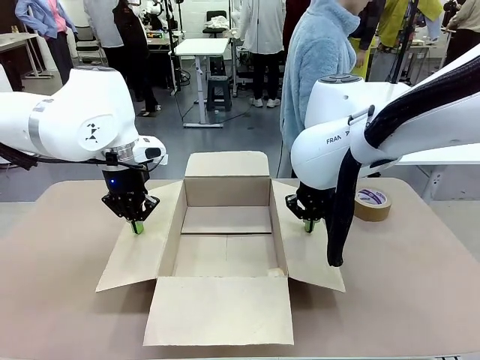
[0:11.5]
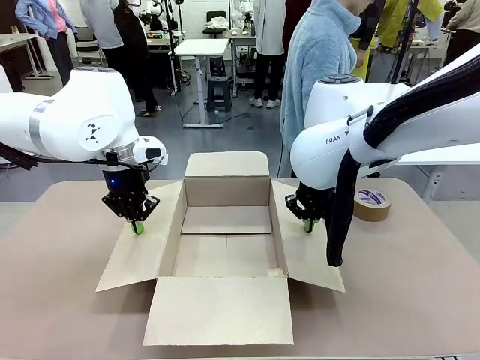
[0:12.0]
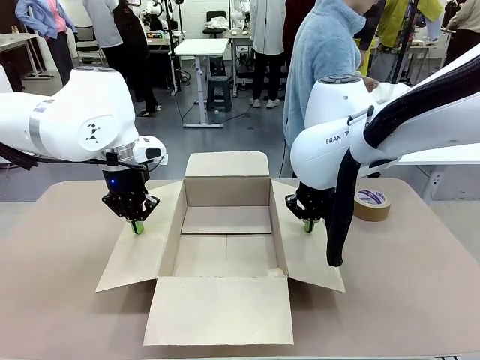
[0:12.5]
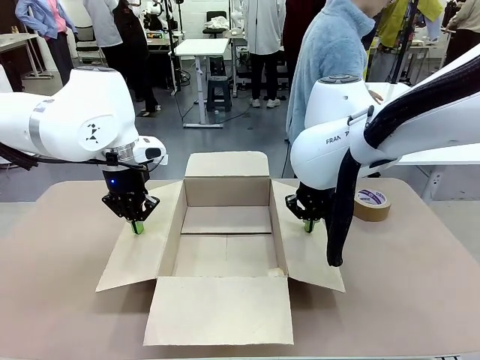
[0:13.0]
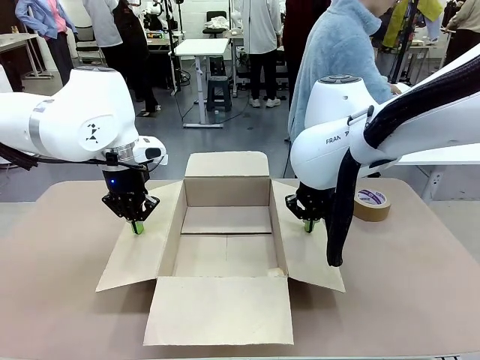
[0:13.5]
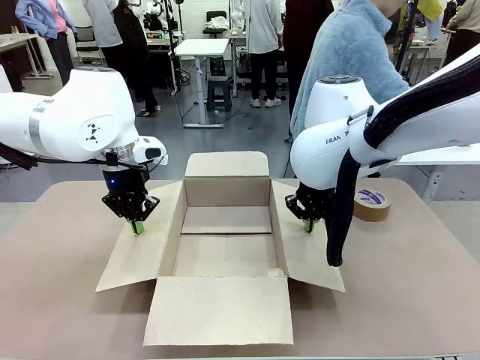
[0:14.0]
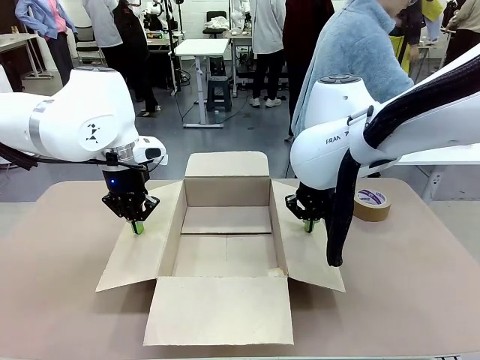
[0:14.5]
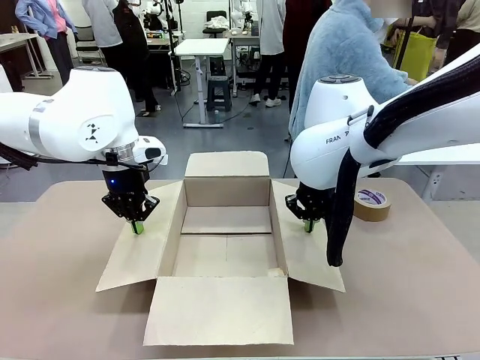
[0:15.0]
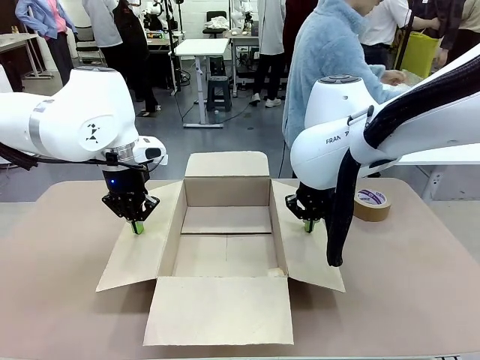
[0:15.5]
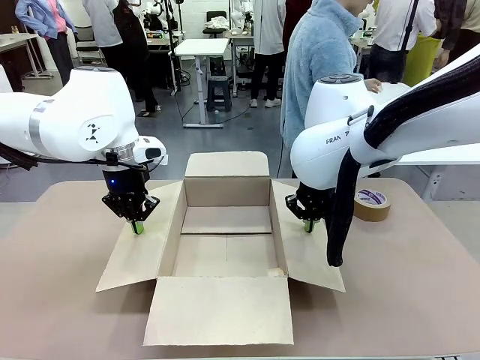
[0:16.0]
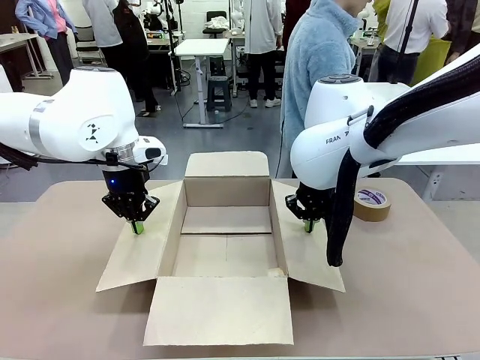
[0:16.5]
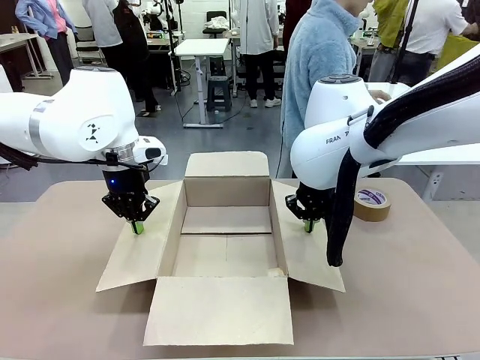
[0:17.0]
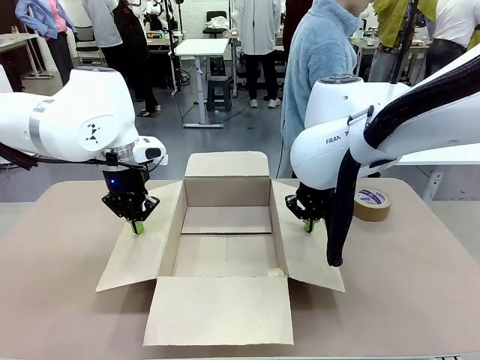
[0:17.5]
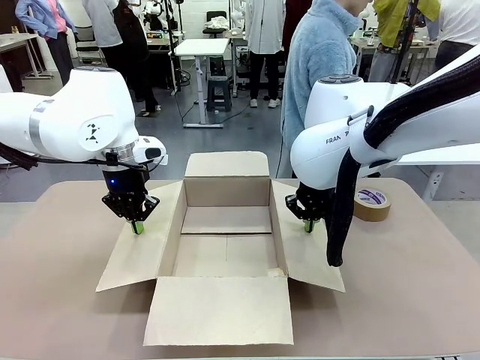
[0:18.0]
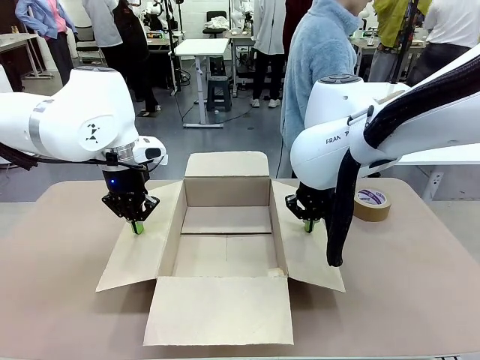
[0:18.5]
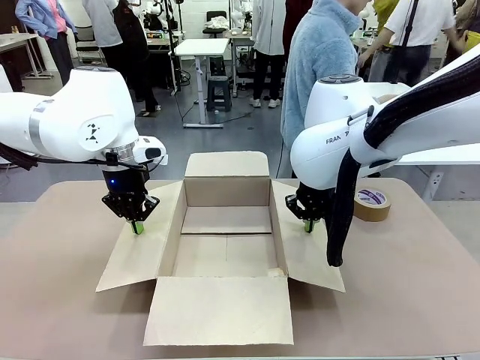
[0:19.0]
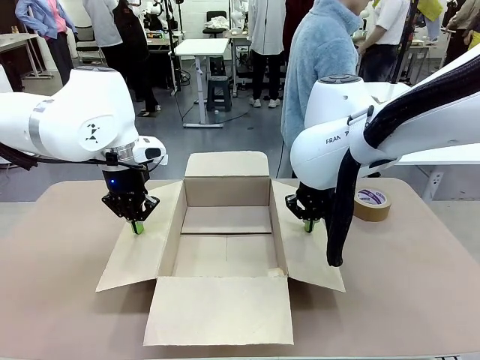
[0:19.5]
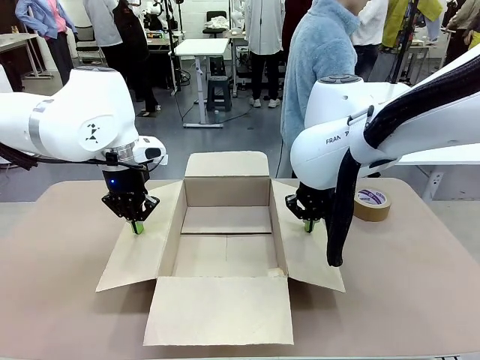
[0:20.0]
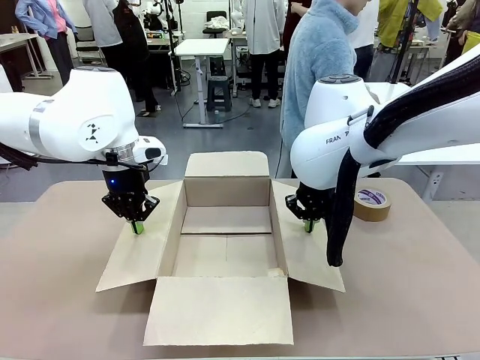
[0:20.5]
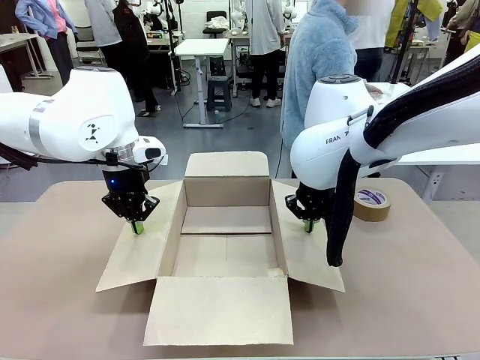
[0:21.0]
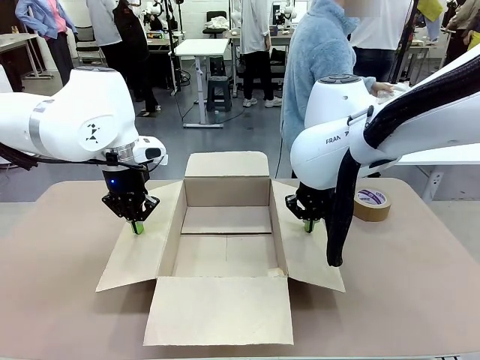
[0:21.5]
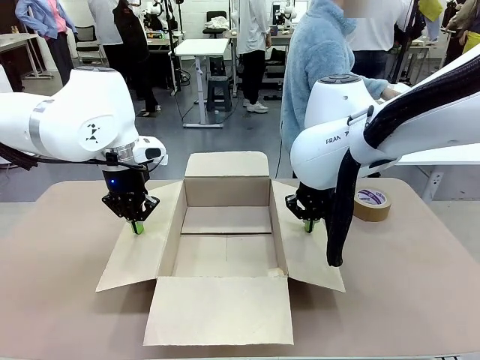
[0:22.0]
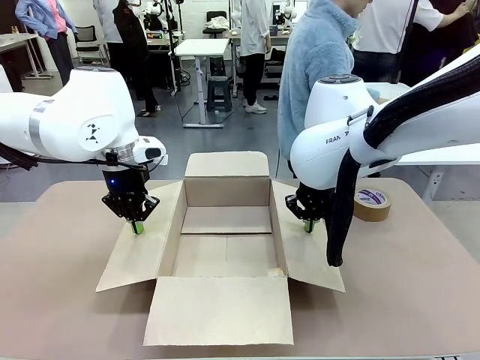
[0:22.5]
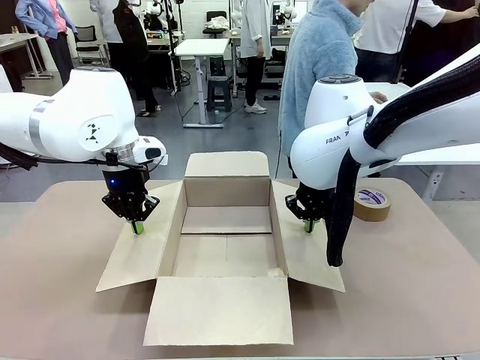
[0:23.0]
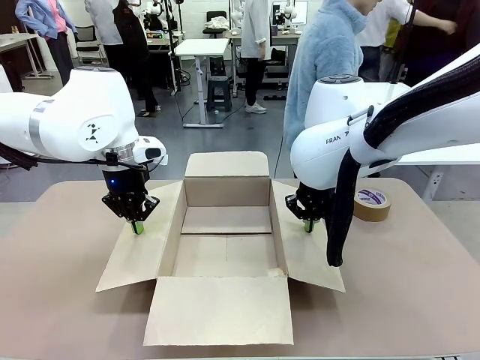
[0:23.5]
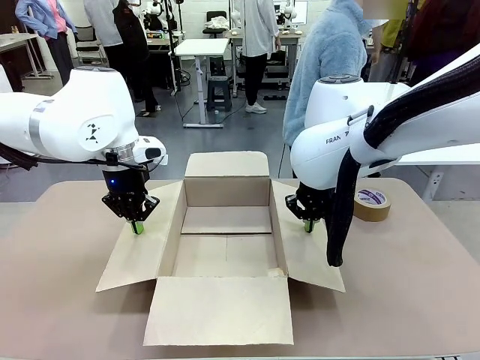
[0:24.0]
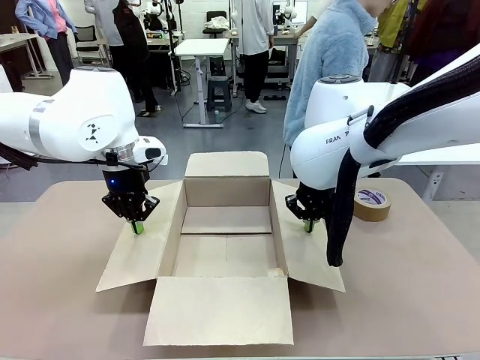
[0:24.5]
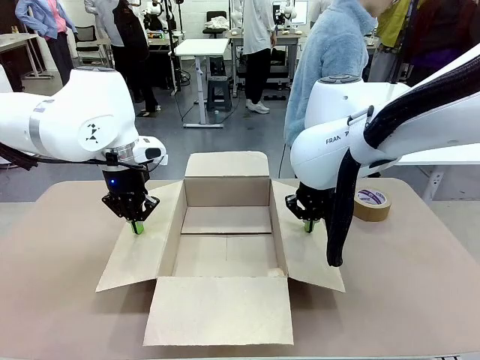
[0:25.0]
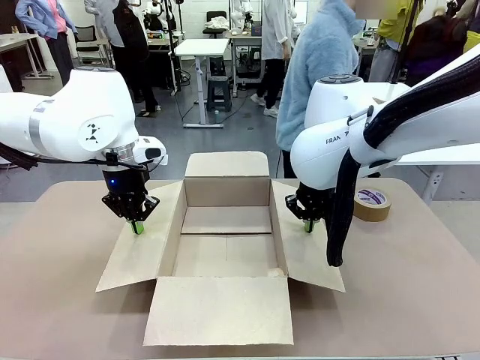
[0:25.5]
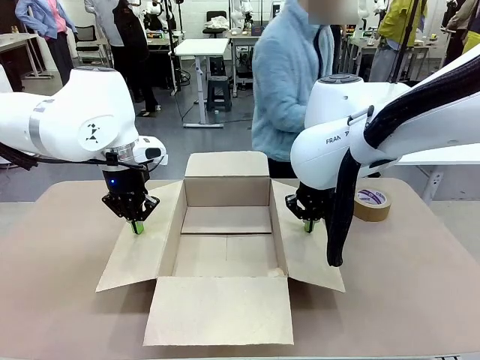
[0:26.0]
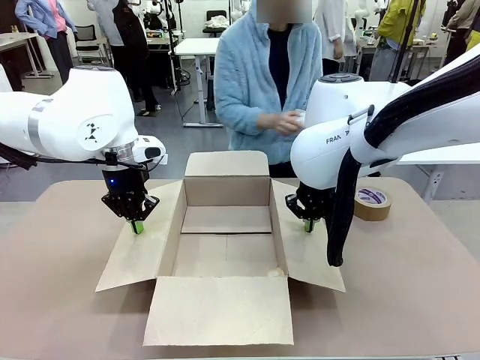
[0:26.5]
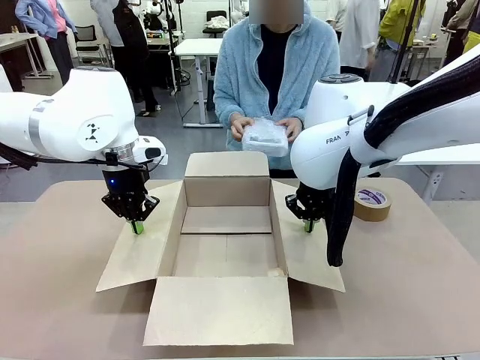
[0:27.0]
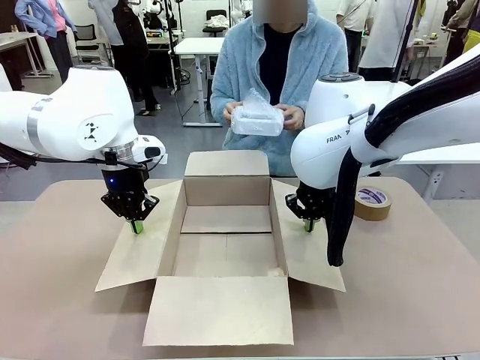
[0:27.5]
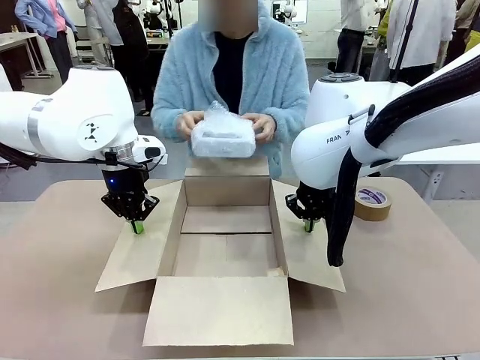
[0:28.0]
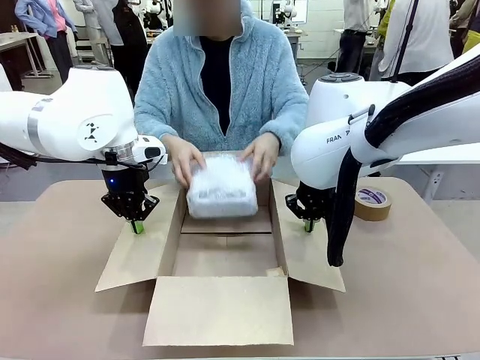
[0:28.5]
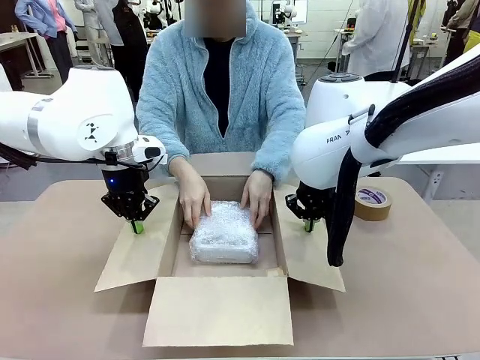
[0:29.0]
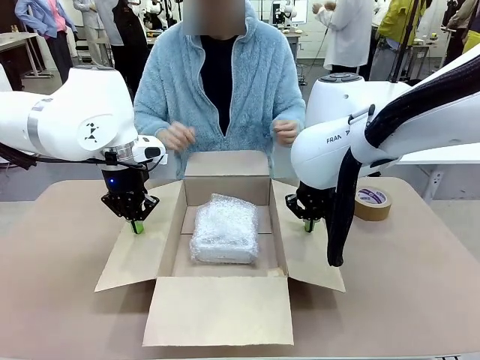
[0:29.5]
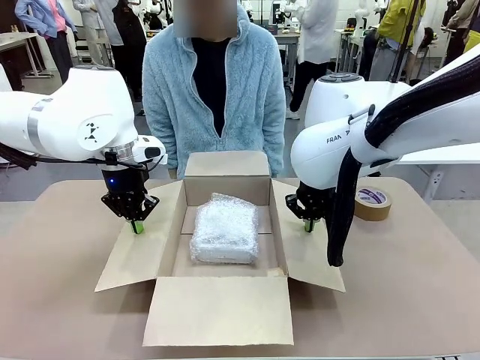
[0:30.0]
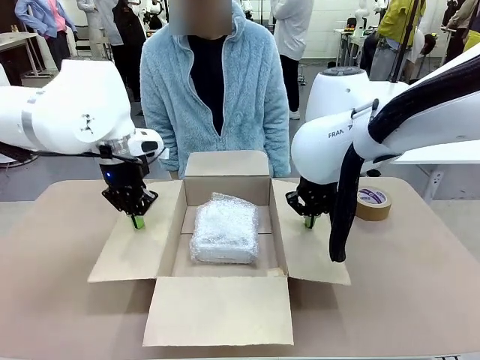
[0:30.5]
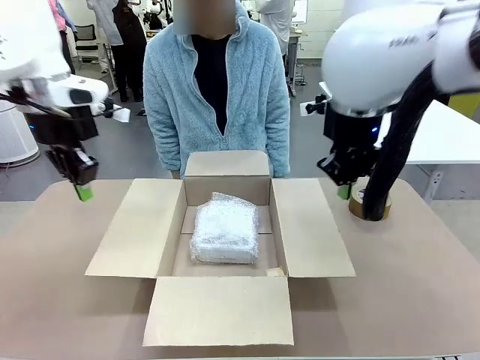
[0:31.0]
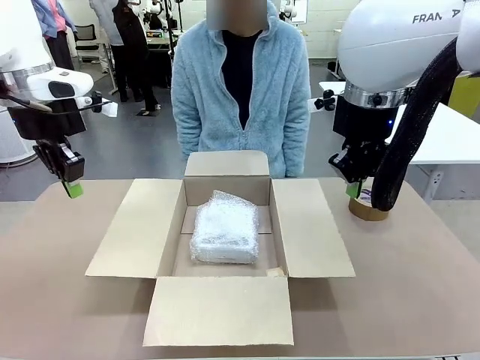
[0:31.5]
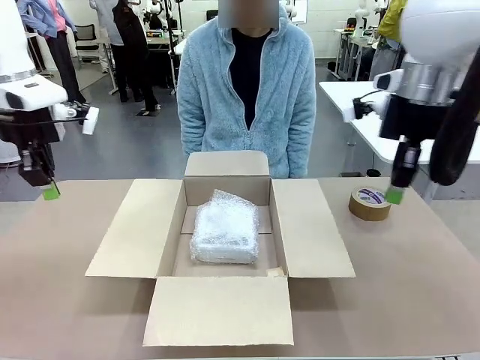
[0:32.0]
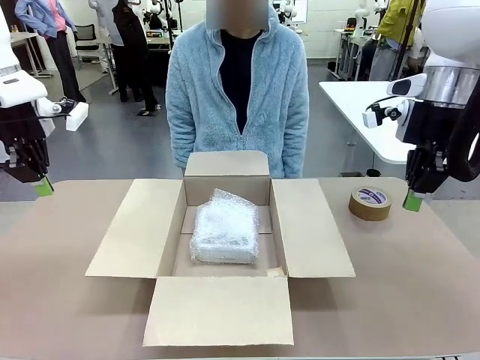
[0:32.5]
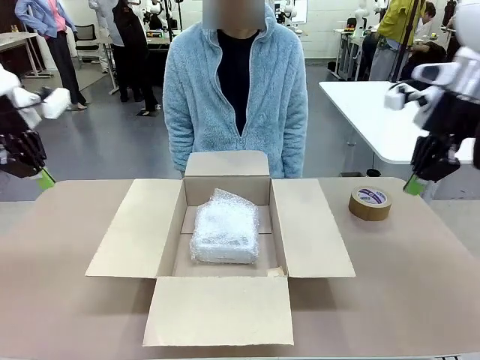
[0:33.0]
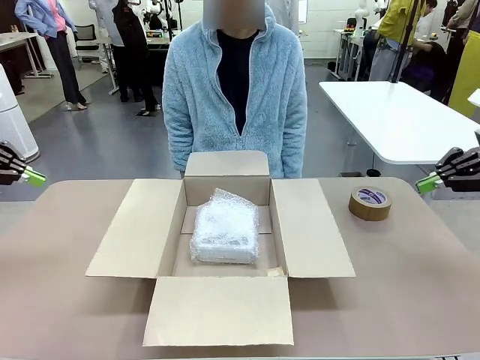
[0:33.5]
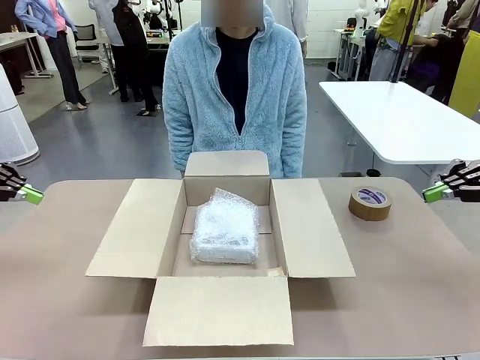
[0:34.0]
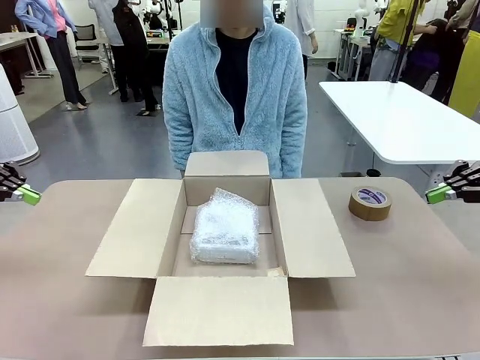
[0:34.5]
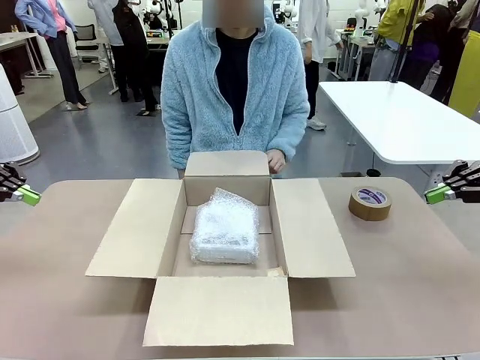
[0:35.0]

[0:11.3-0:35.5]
Task: Wrap the clocks to prevent damage.
Robot: Once the human has placed the objects inside and stepped back, release both hands from the side flaps of the Package Box.
Person: Wrap the two Digital clocks with Bubble Wrap. Place the wrapped Digital clocks inside the Package Box. Hold the top and bottom flaps of the Package Box closed with your left (or right) hand.
